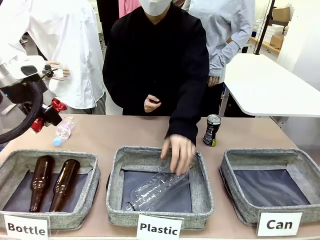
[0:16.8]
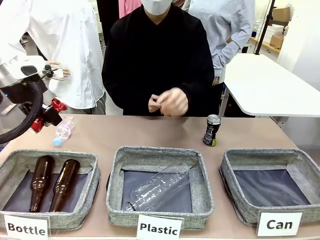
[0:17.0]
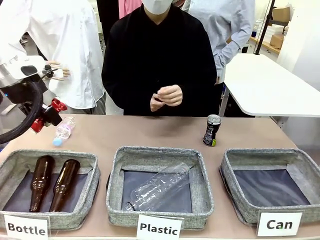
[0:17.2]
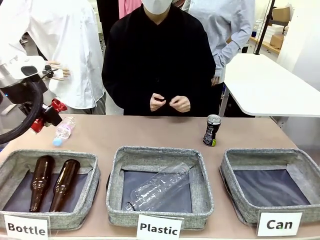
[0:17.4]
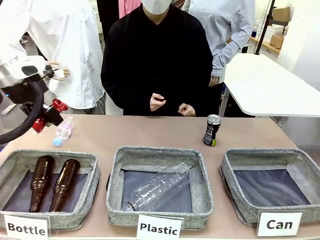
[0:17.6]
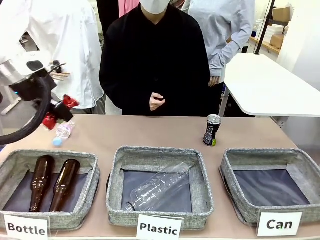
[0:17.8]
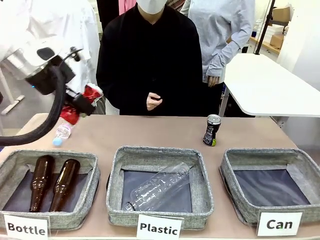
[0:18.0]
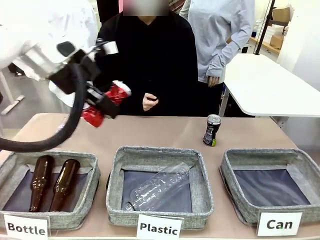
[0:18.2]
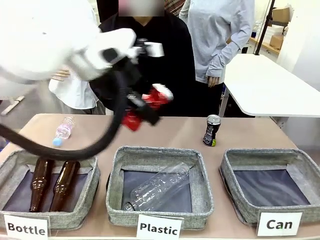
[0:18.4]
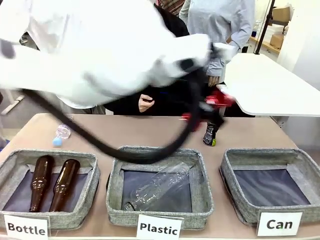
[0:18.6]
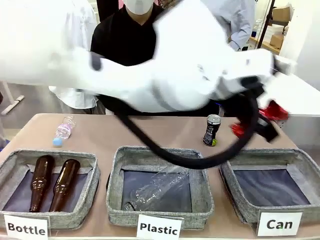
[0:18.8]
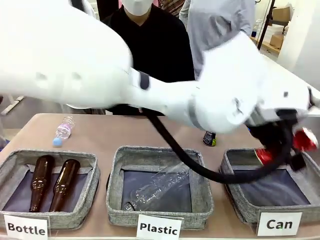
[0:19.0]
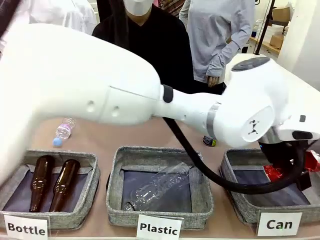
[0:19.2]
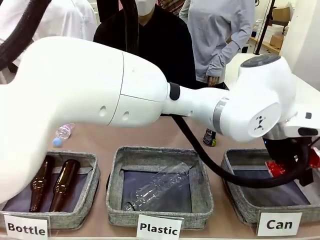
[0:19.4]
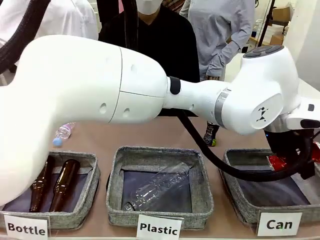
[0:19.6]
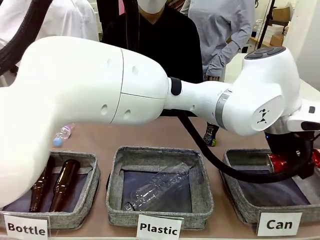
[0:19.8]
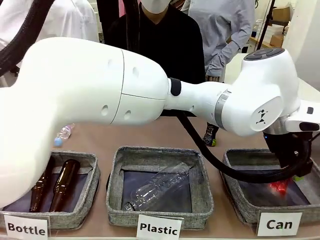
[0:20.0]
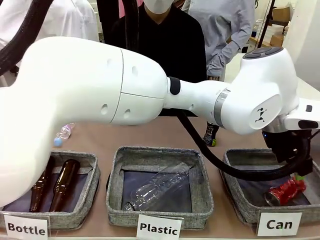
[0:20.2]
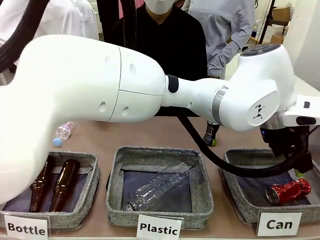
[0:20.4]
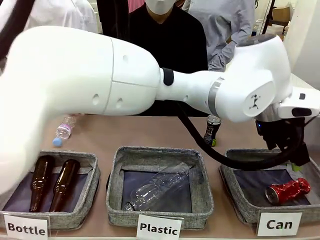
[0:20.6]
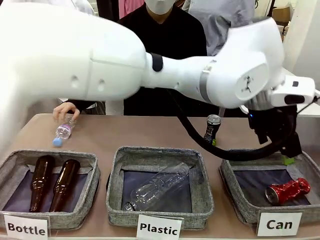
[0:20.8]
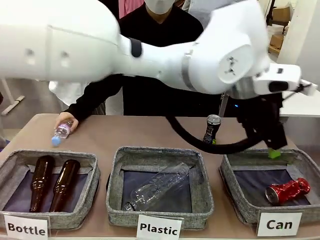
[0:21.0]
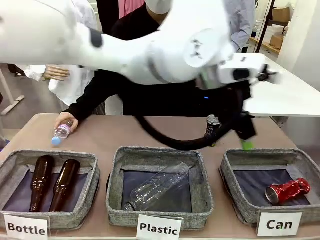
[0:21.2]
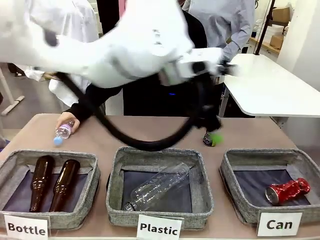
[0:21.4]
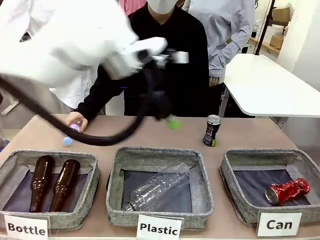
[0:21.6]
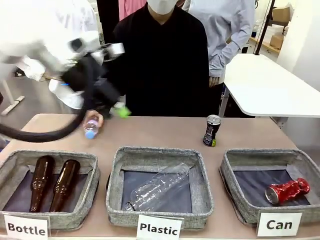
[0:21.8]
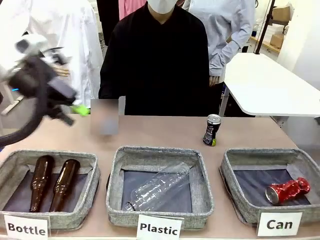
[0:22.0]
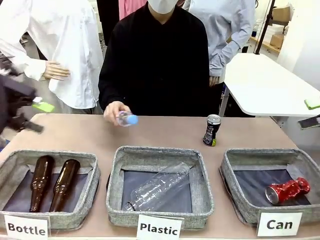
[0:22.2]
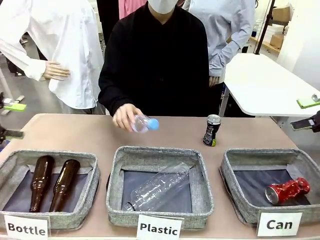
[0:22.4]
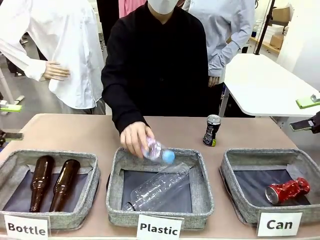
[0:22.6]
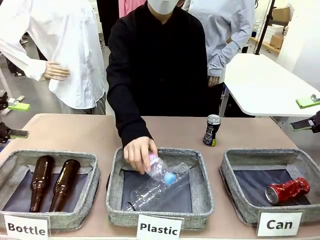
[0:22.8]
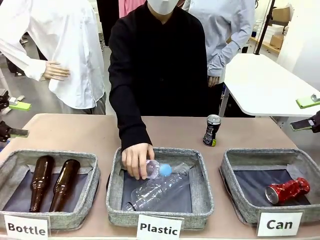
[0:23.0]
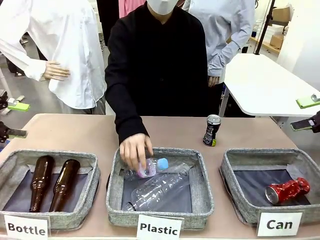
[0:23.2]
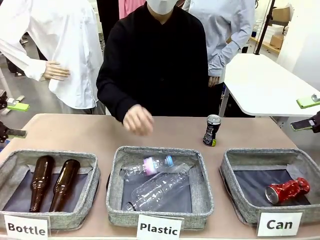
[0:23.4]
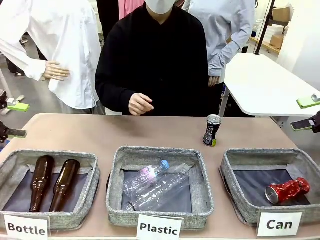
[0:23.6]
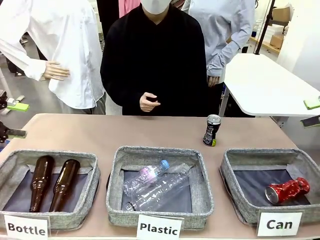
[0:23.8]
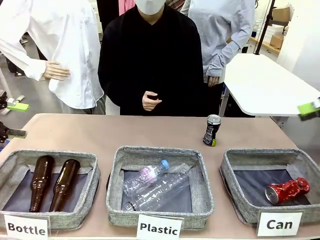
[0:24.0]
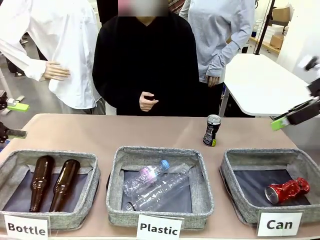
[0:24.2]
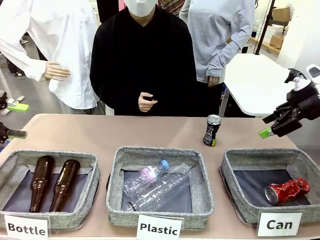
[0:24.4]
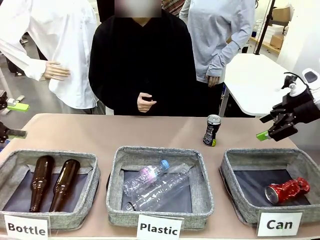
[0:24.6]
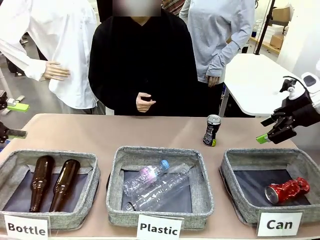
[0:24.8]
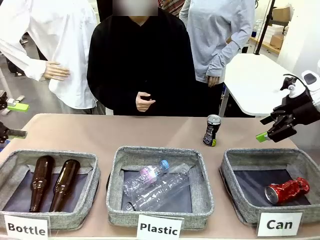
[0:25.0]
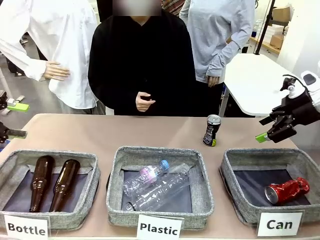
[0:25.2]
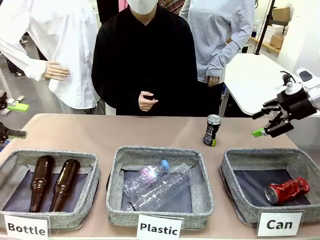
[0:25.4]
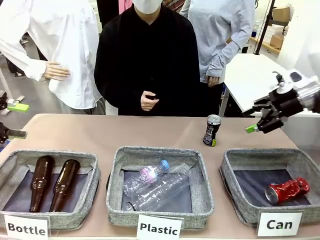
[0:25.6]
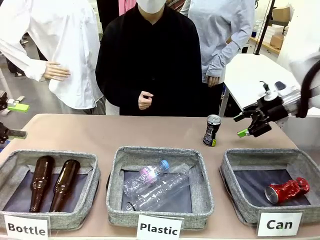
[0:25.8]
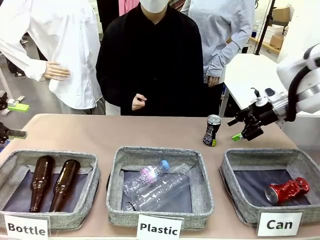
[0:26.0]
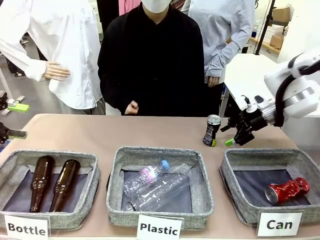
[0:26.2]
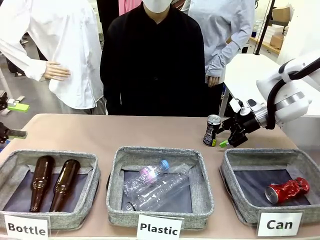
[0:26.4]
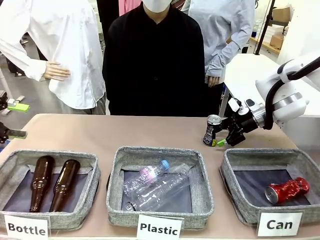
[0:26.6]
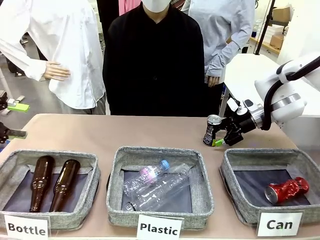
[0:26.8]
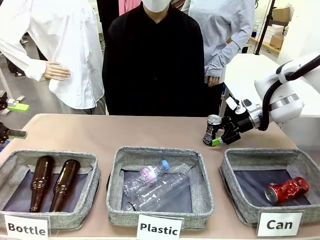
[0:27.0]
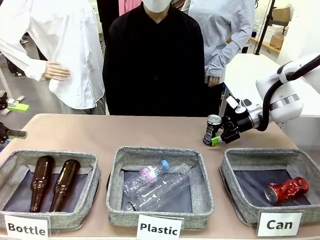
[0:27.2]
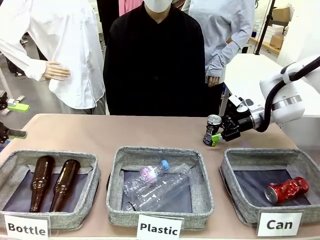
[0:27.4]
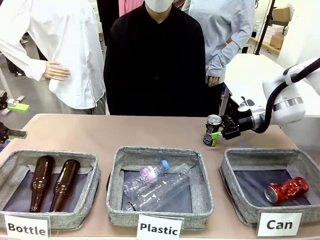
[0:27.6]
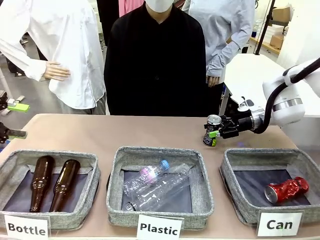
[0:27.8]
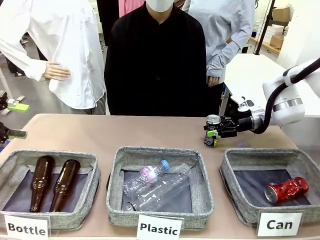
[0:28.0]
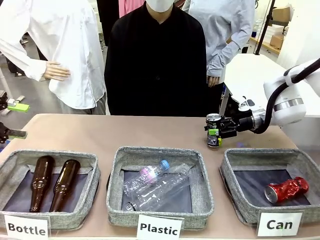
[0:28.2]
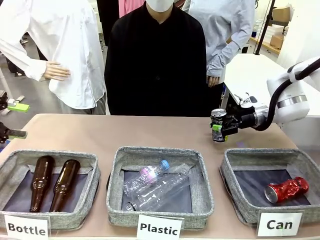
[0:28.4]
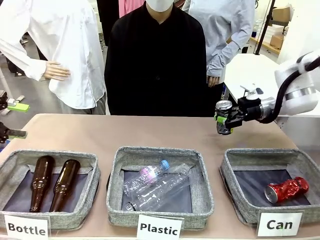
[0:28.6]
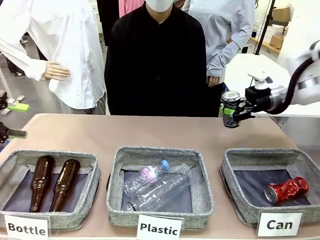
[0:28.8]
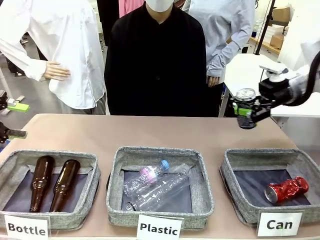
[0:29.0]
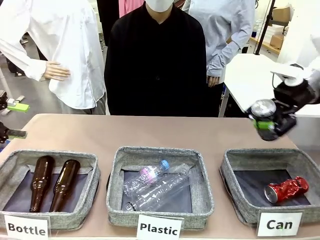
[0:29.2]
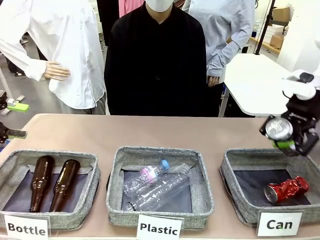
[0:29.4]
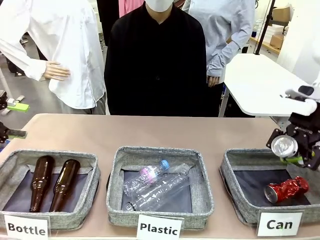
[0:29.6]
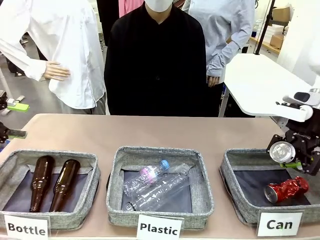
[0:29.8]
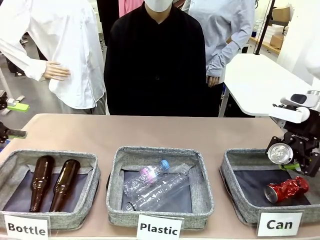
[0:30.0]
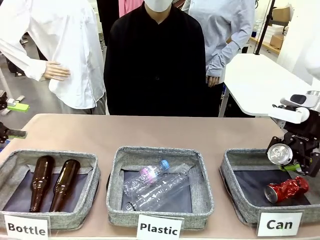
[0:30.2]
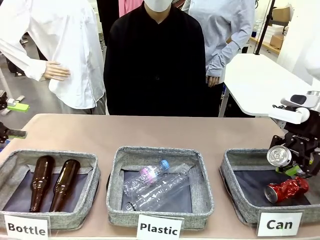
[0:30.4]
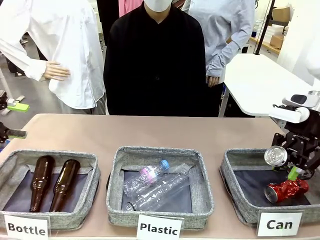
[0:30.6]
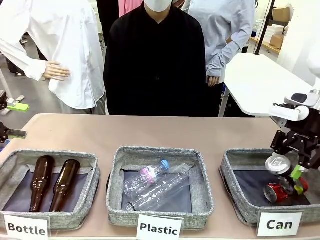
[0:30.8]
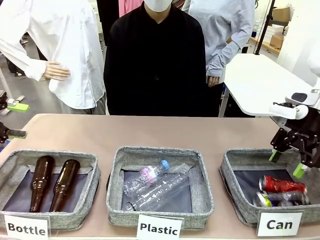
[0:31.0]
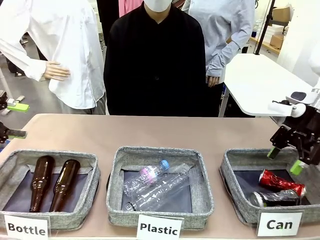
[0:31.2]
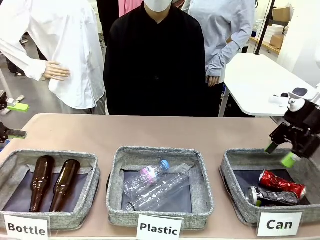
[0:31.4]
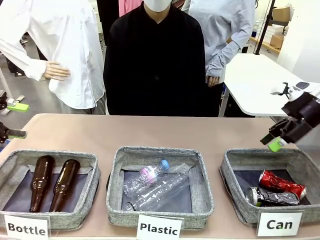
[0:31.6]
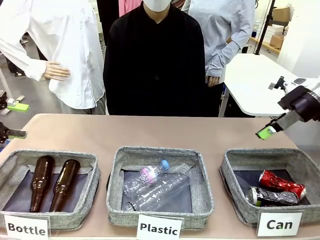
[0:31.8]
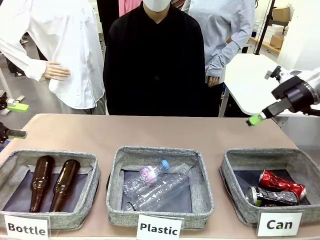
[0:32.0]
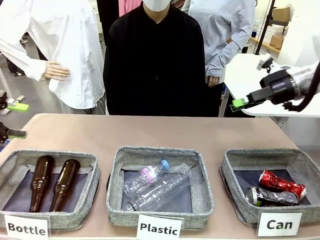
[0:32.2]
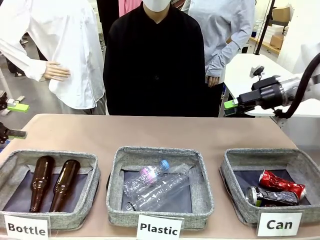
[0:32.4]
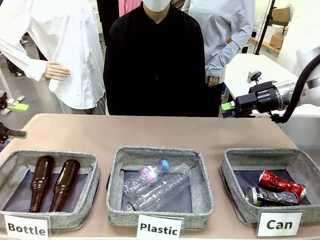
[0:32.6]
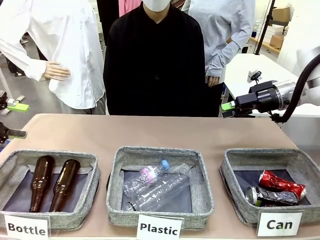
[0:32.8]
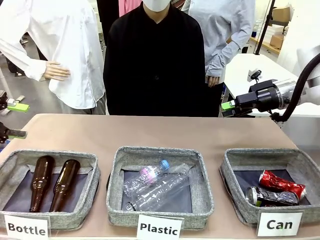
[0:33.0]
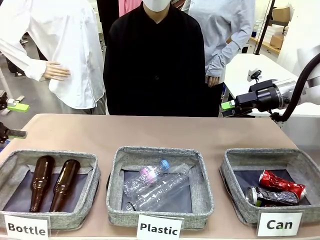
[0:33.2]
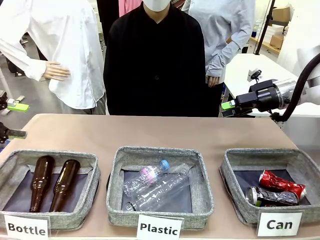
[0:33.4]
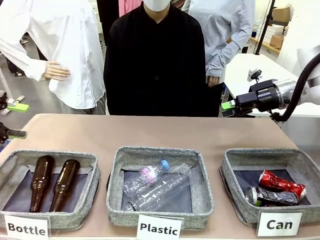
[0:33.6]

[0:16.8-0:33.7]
Task: Sort the can waste into the basket.
Robot: Pick up the can waste from the table and place it in the right Fabric basket.
Person: The human picks up one piece of trash that is not a can and places the trash into the appropriate organizing basket.
